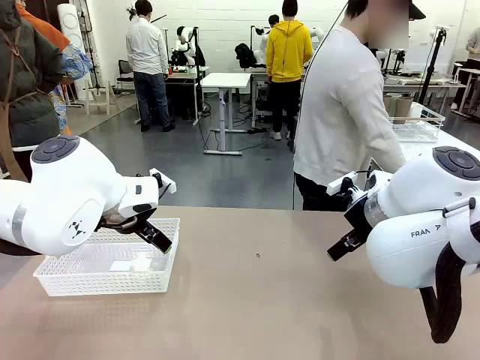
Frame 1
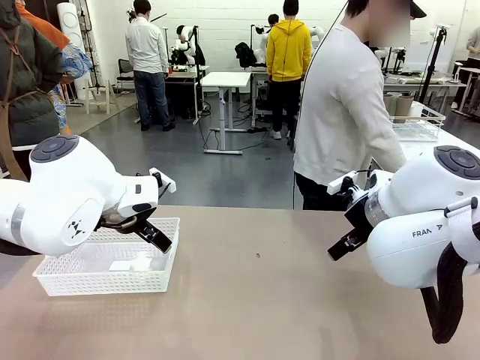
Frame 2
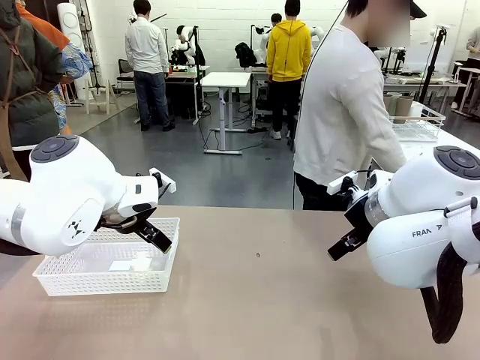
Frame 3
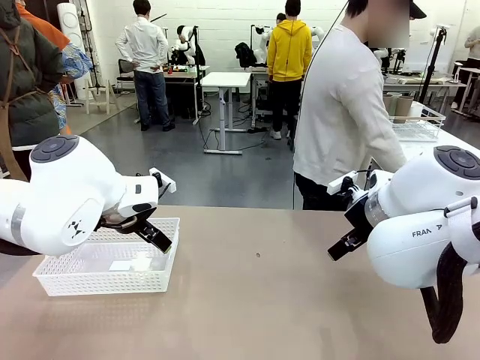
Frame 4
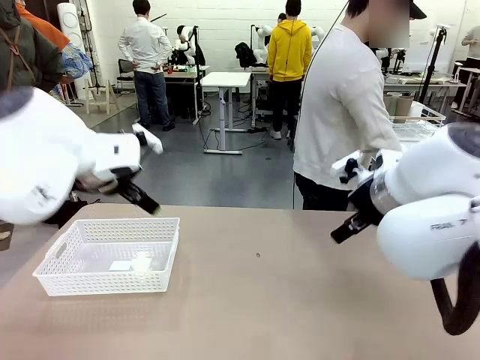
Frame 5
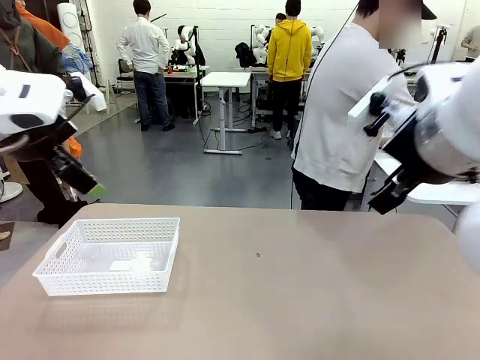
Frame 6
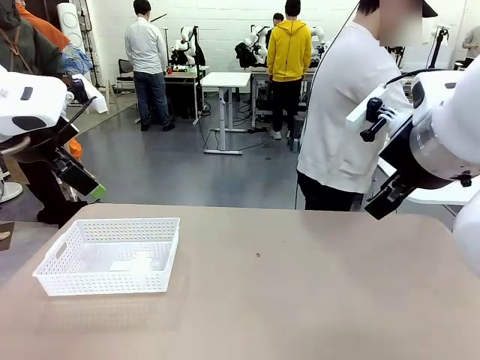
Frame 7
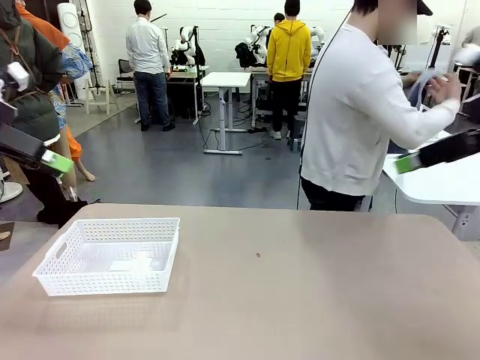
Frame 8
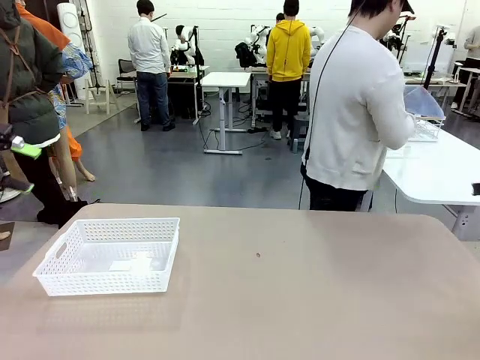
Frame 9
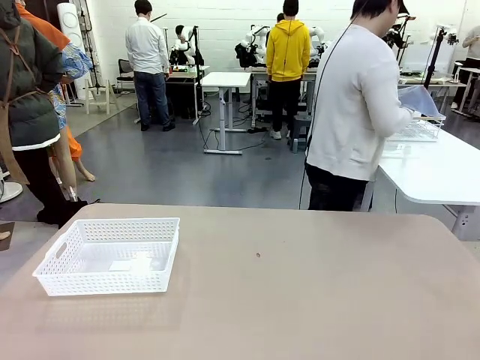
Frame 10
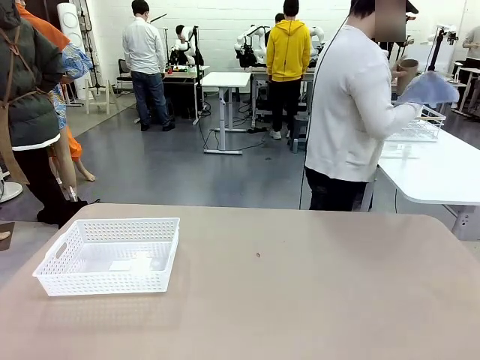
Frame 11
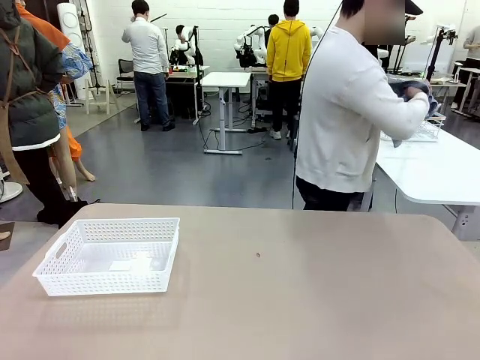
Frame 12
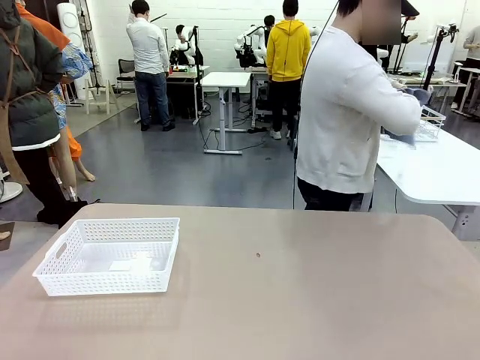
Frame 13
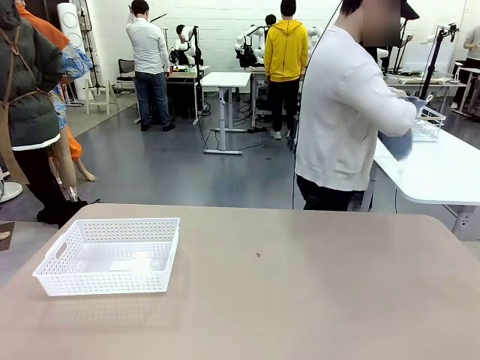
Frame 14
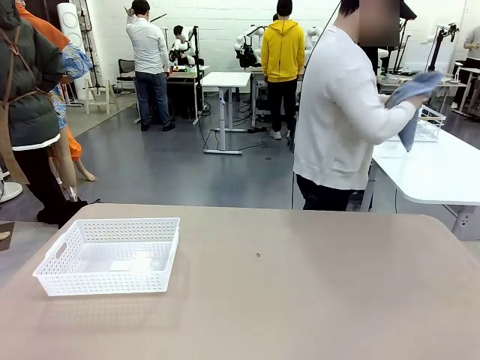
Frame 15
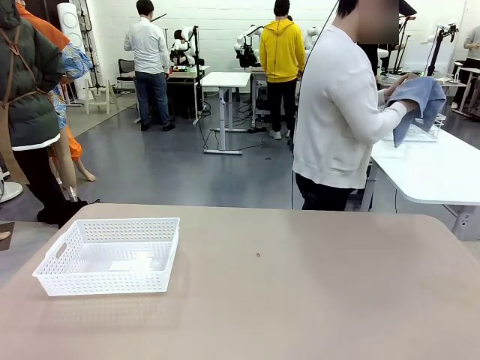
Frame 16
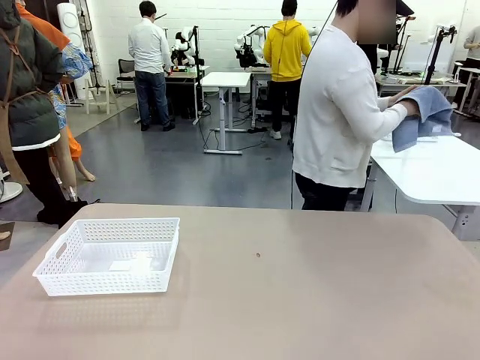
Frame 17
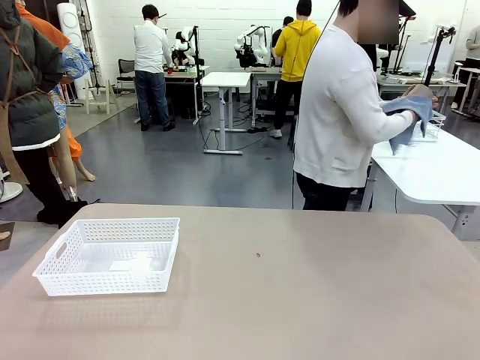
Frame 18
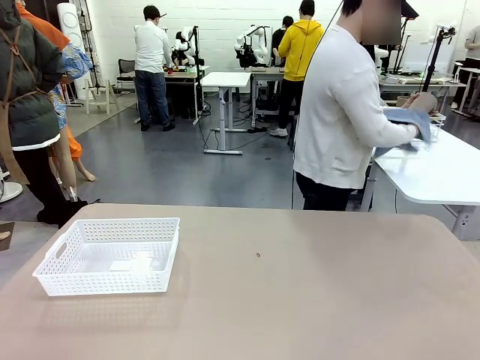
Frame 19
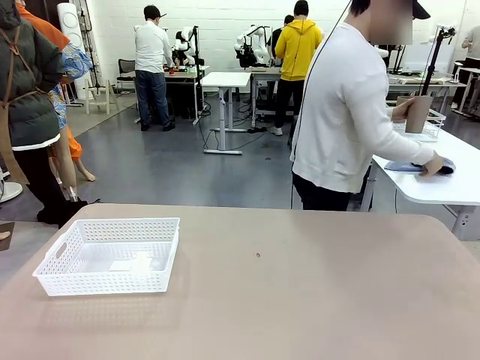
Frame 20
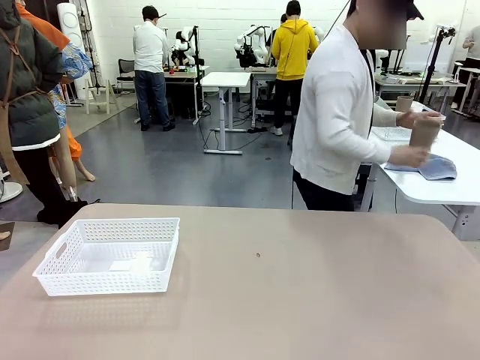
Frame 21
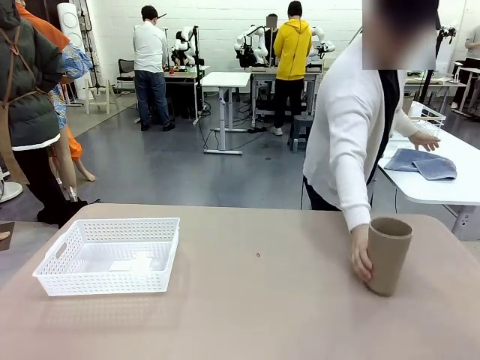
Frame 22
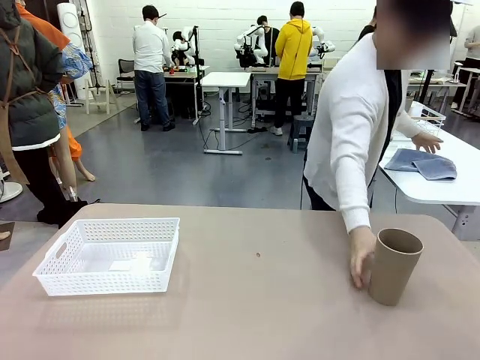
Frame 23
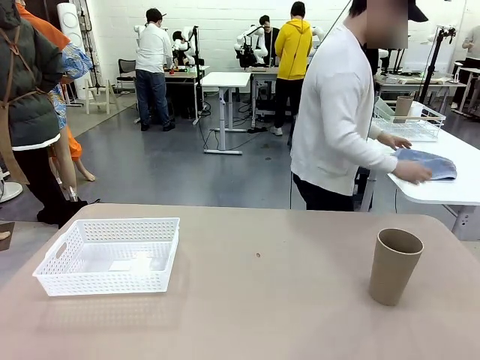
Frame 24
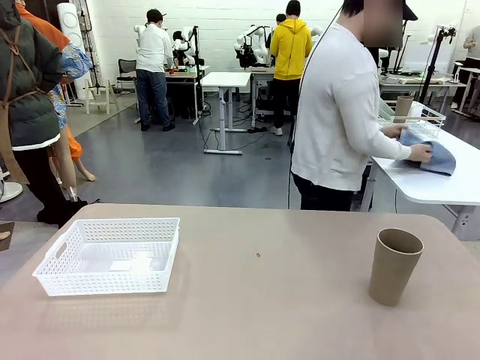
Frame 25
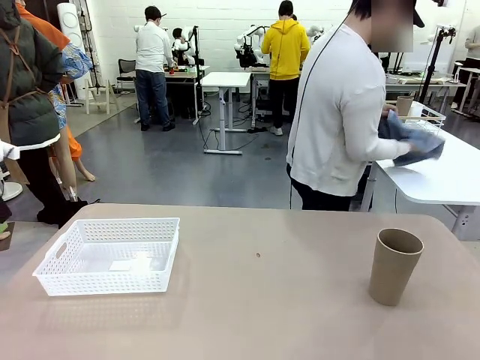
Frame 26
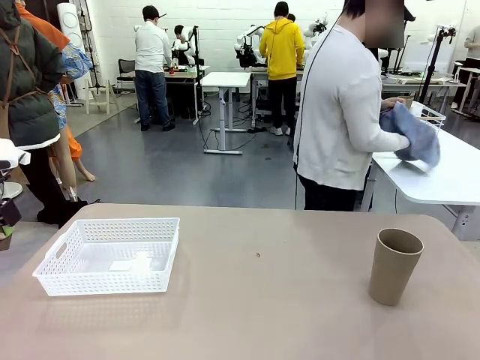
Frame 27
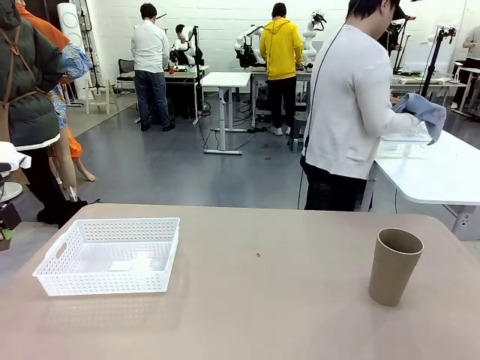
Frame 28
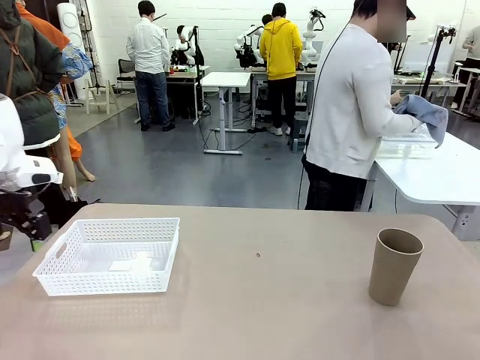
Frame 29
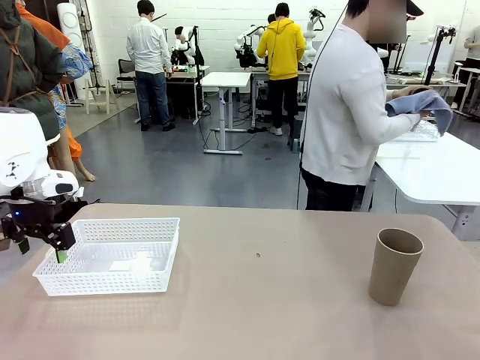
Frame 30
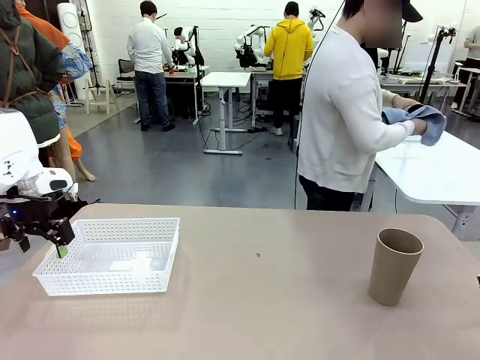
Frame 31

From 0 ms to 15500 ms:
Task: Clean and organize the cups into the basket.
Robot: Pick up the Organizing basket and move it to the center of the table, then pick up the Reusable plastic cup from the right side of the table and place it inside the Organizing basket.
Person: Picks up a cup and a towel, cleans the cup with the towel, and places it on the left side of the robot table.
